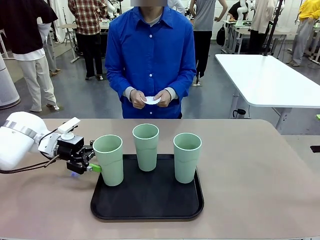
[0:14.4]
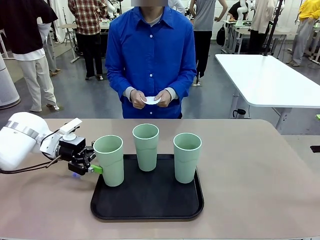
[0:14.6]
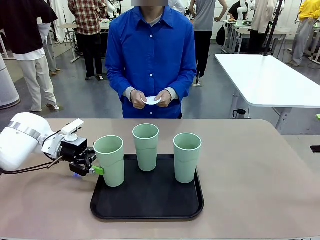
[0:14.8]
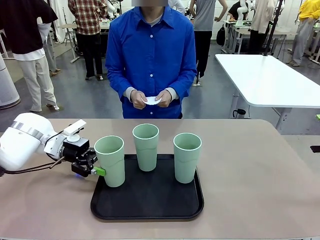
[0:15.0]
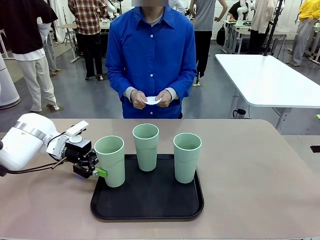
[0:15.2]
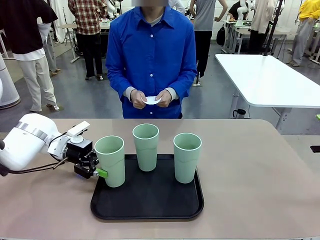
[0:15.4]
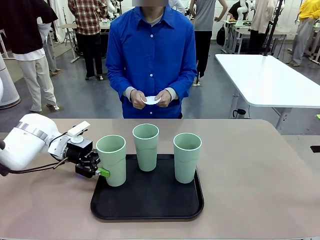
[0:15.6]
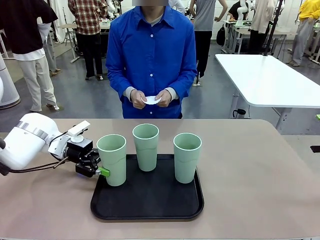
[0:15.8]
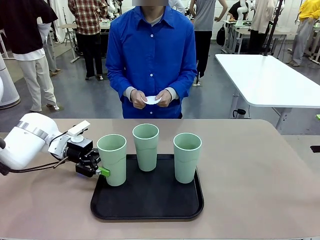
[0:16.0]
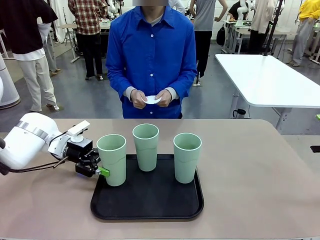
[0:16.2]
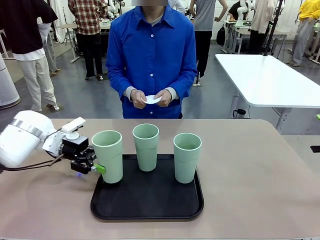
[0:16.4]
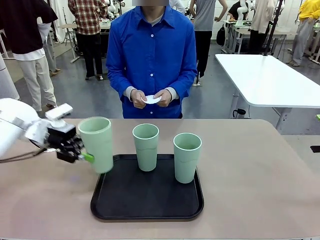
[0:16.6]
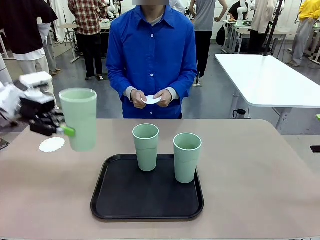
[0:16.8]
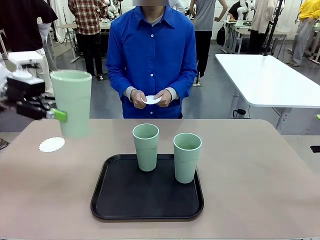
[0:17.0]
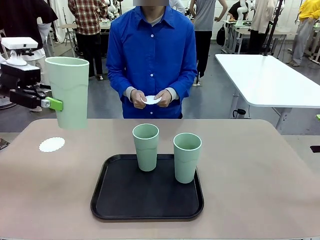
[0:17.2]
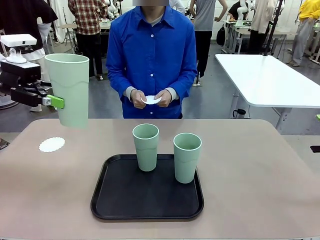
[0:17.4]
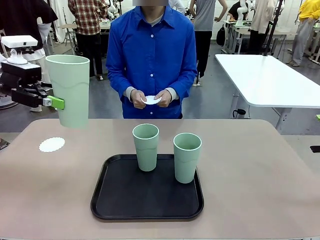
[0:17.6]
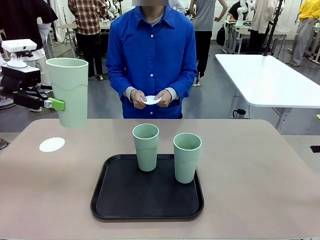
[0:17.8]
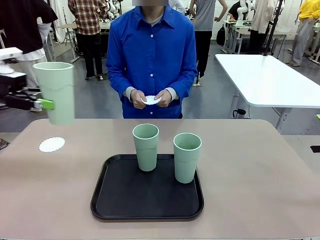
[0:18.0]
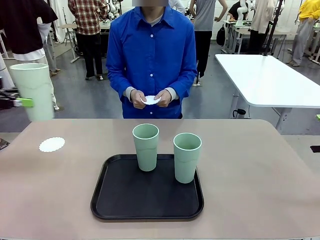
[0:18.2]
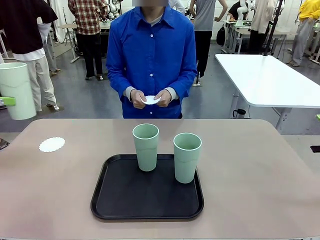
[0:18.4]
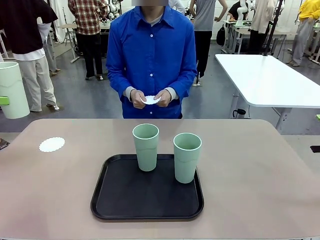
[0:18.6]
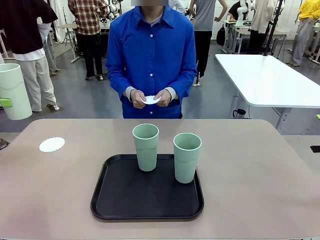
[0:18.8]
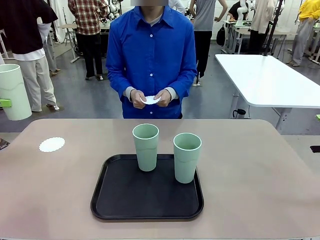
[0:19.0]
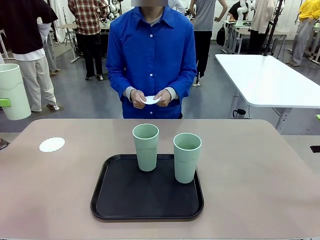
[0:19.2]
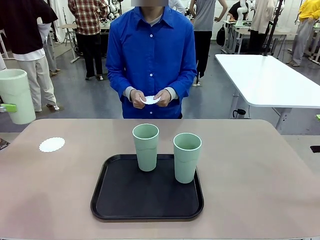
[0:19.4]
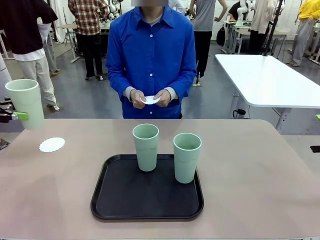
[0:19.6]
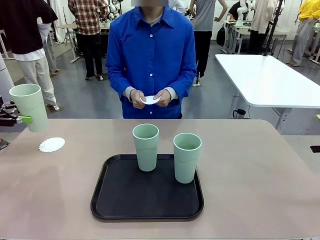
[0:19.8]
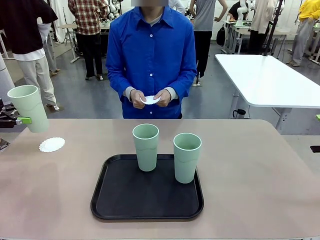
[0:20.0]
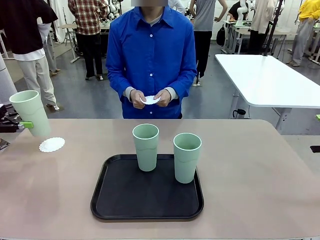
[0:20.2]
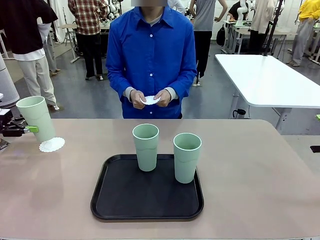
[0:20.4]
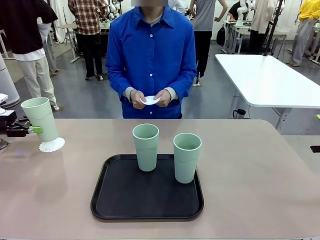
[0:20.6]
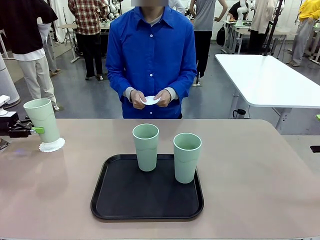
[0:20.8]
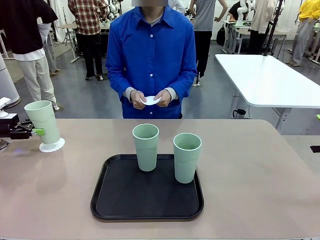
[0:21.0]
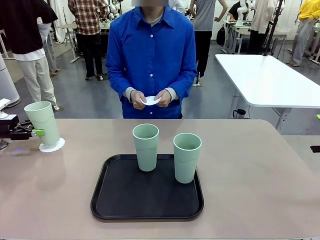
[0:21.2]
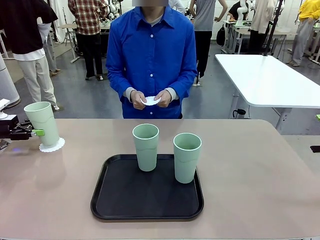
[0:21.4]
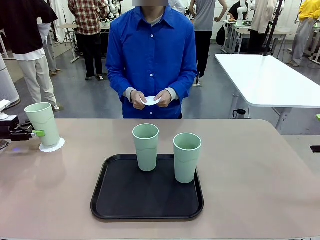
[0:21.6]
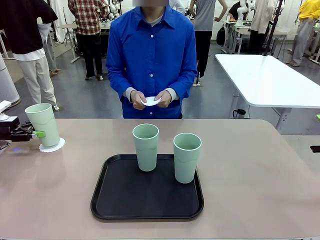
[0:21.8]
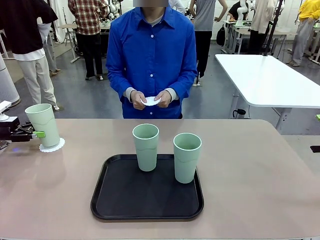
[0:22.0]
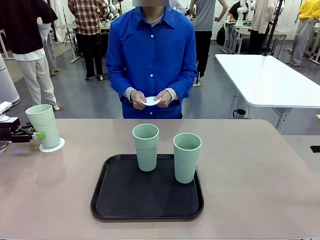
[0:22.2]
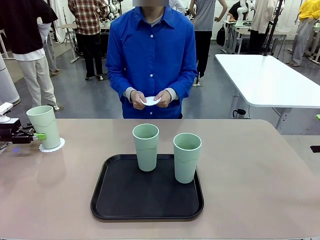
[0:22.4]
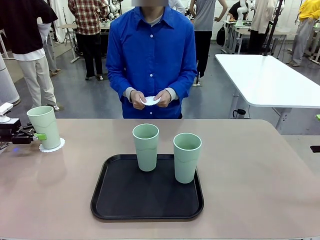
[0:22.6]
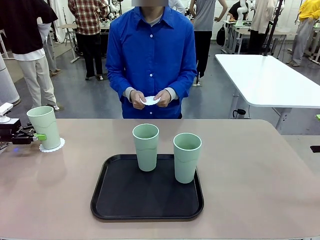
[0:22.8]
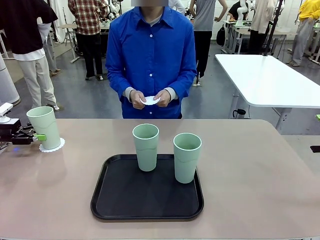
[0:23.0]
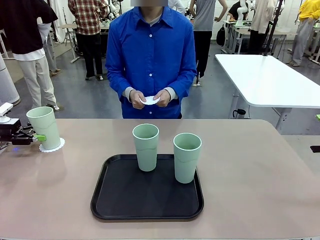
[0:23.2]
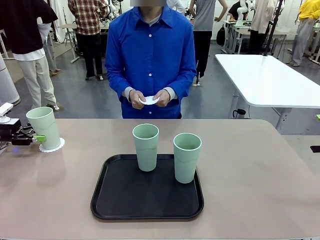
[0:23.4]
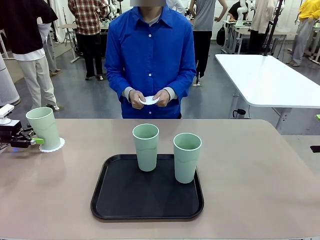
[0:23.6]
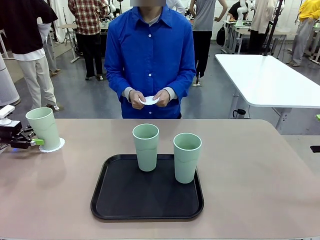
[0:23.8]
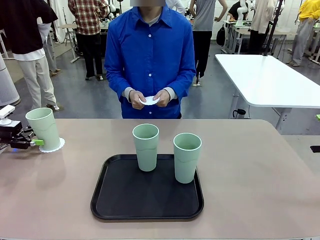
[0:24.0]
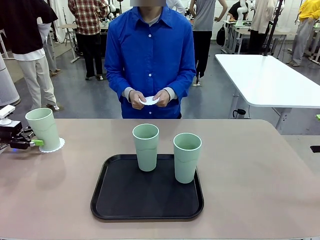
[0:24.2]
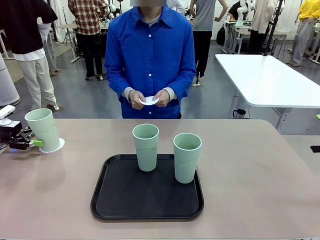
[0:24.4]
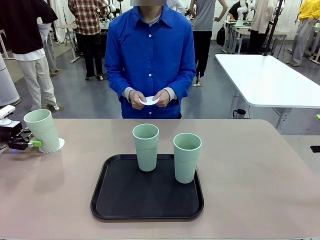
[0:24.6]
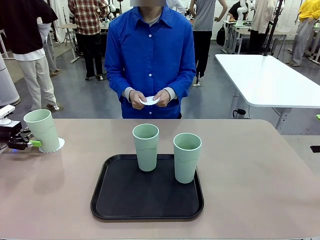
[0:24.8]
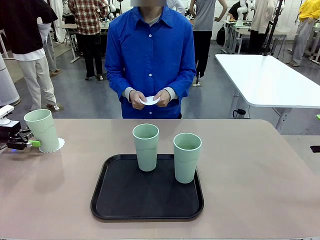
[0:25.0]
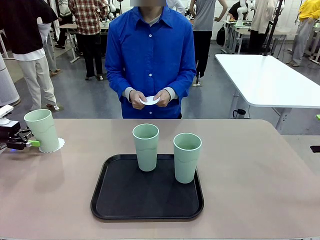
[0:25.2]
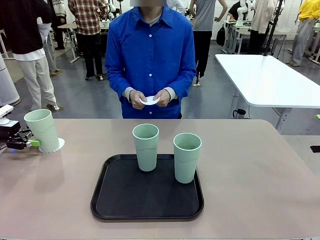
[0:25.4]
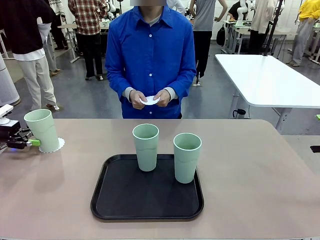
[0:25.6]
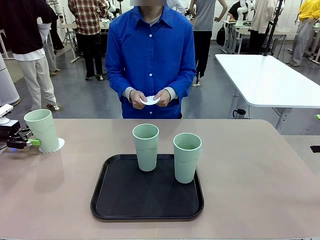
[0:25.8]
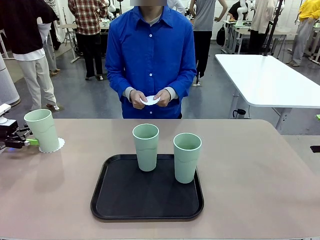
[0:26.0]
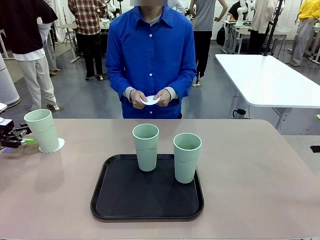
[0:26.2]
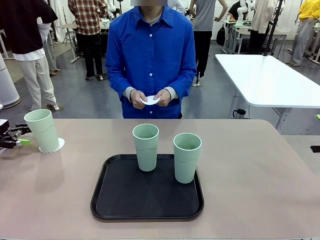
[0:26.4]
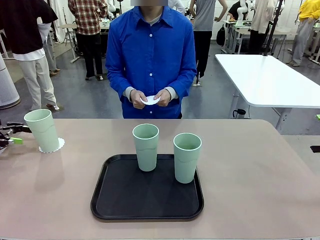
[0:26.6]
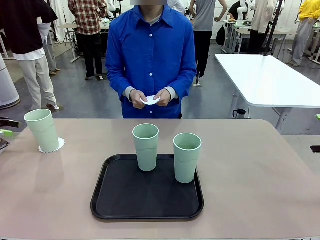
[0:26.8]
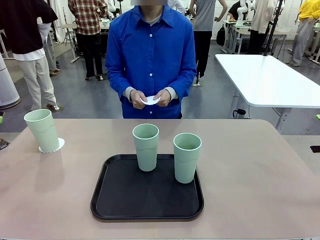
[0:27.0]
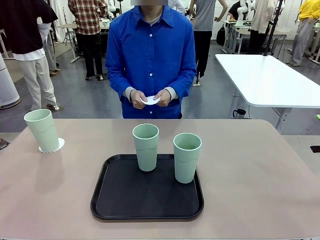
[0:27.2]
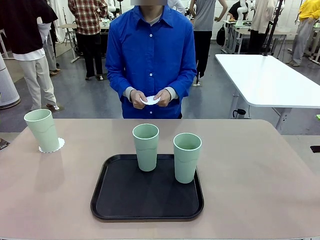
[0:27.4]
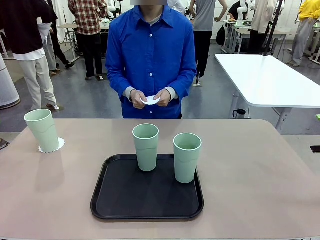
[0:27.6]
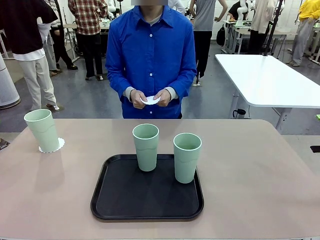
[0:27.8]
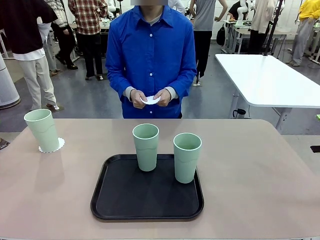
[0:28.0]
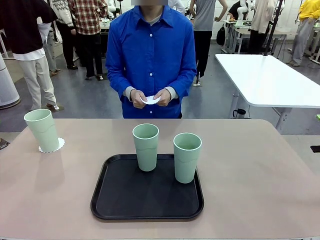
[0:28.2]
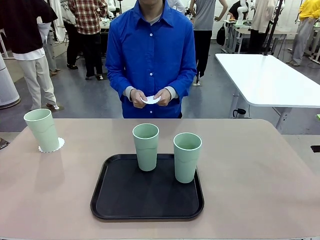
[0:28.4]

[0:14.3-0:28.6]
Task: Place coasters on the table and set cups on them.
Robot: Pick up one Reusable plastic cup and place it on a coaster set by the human.
Person: Place one coaster in one of the two areas excluding the previously selected area.
